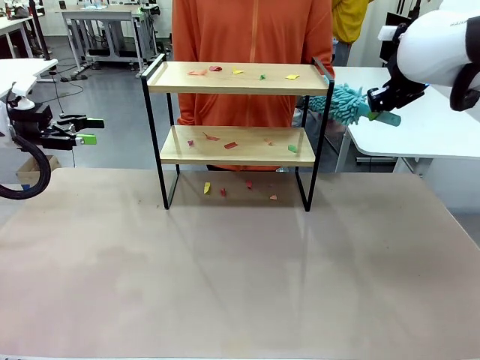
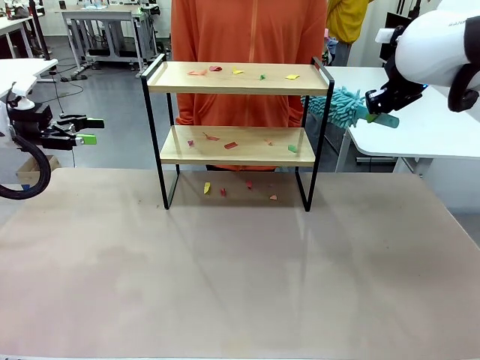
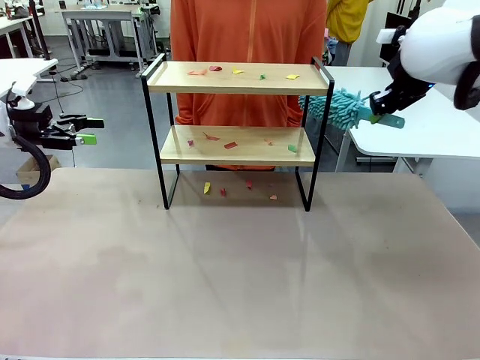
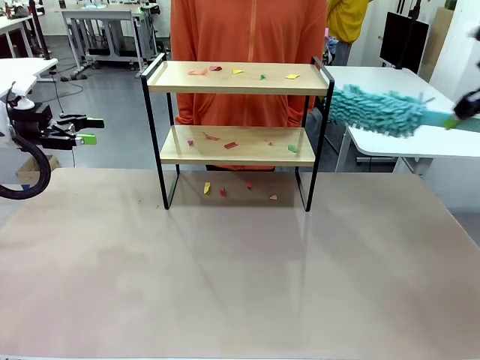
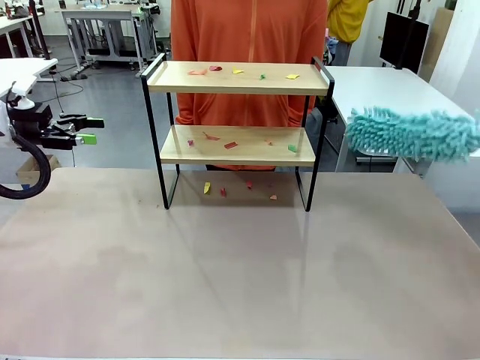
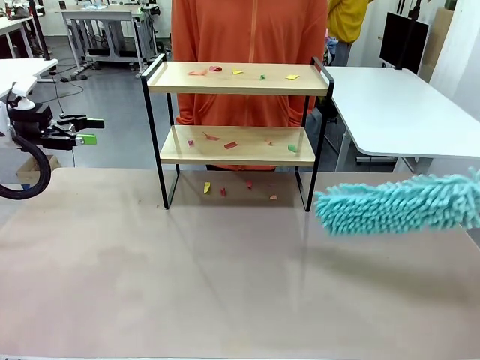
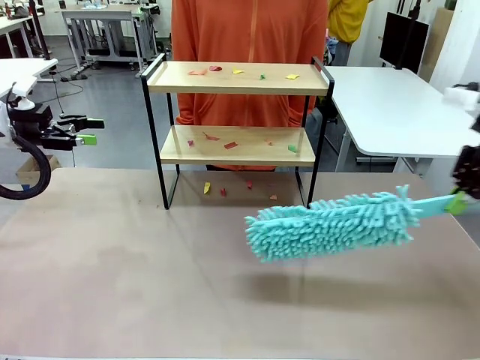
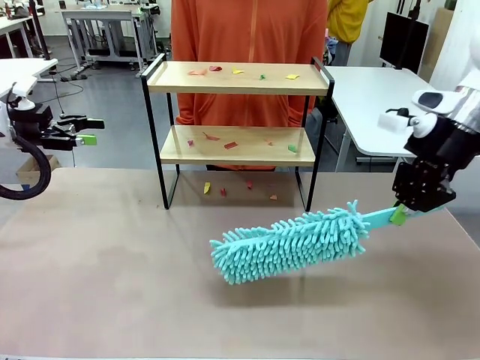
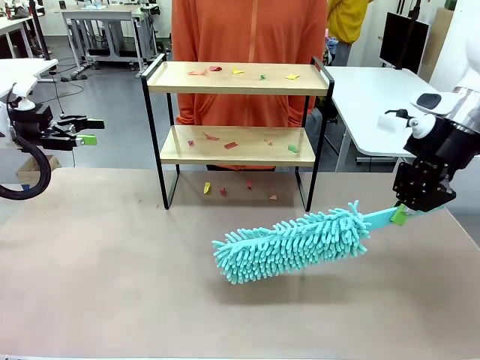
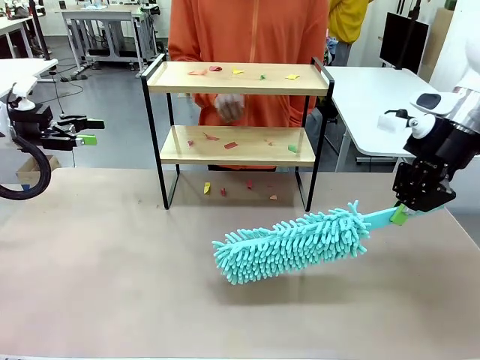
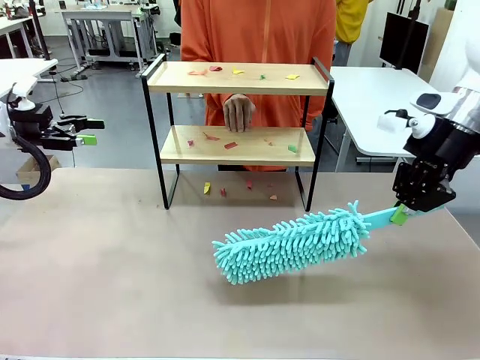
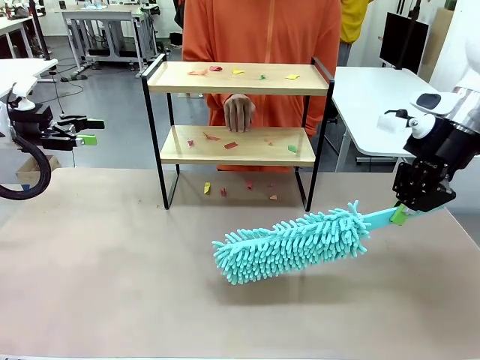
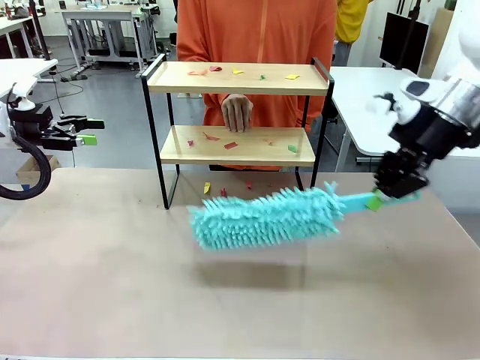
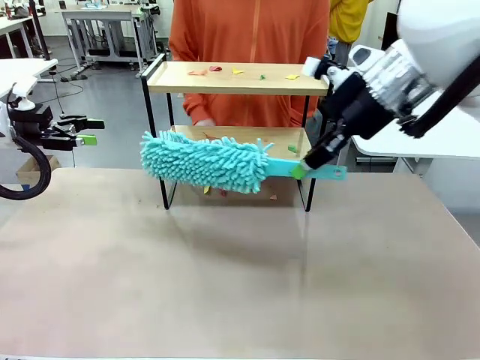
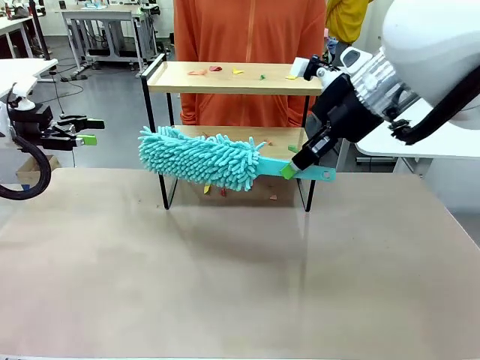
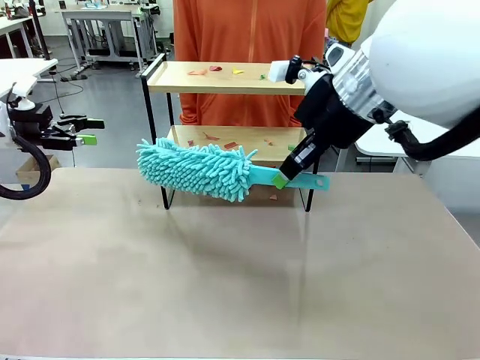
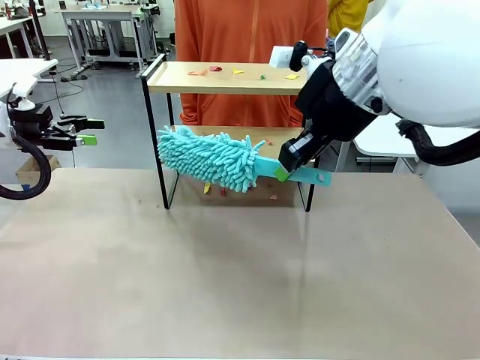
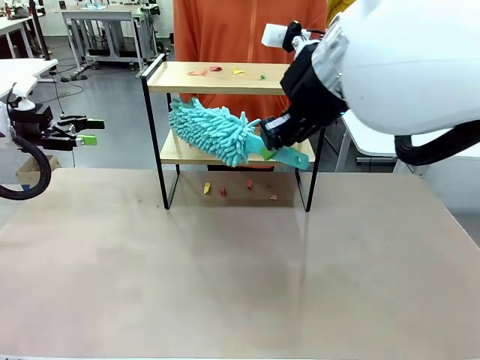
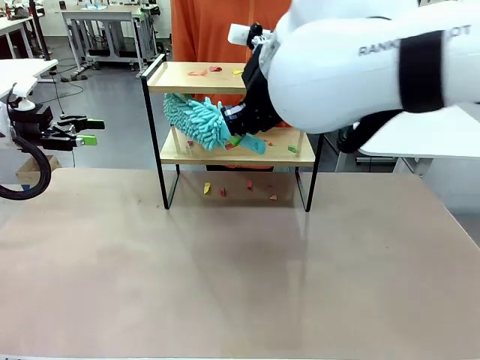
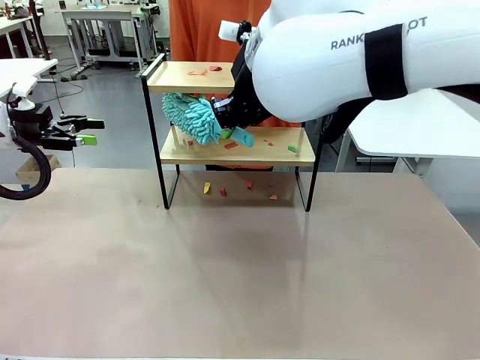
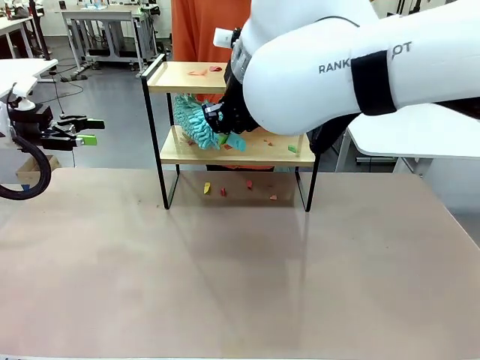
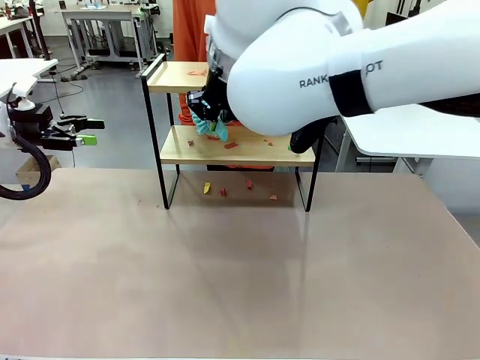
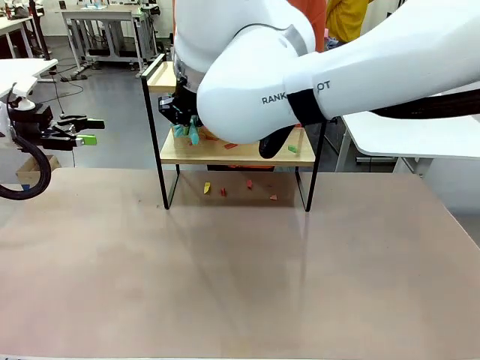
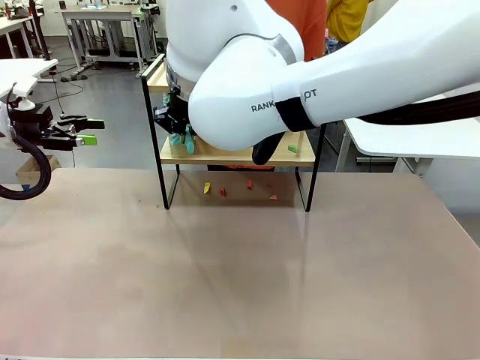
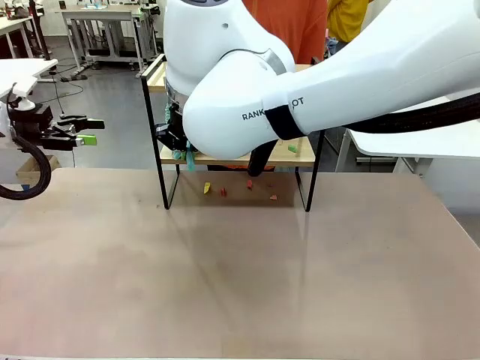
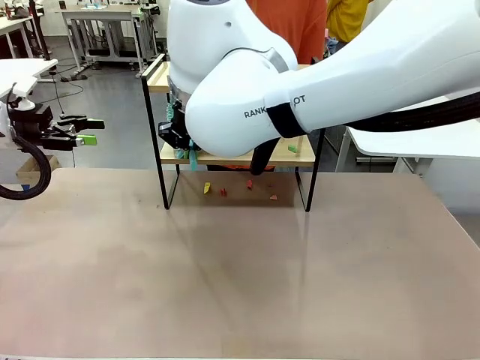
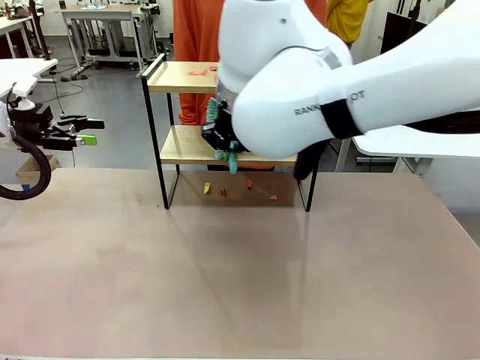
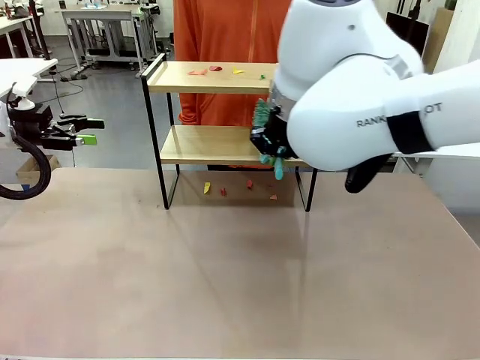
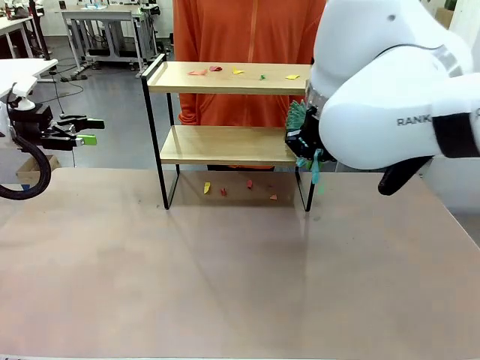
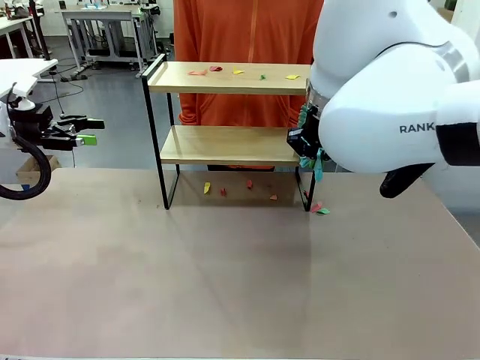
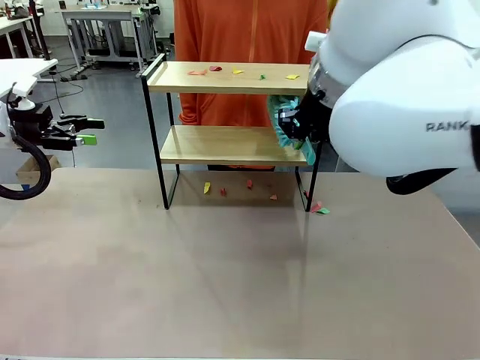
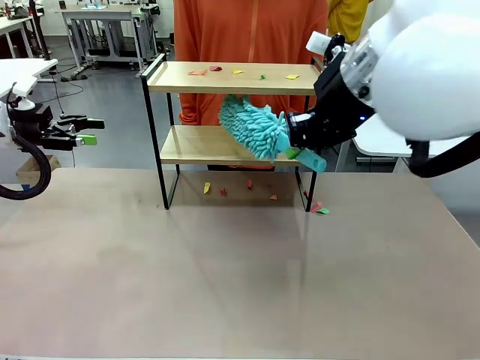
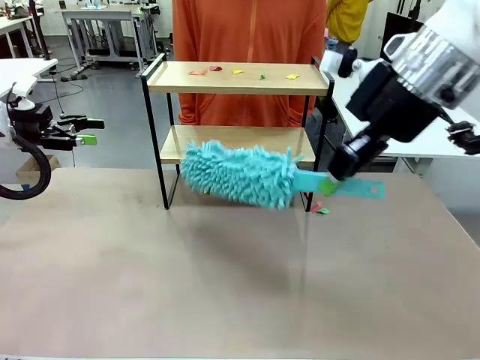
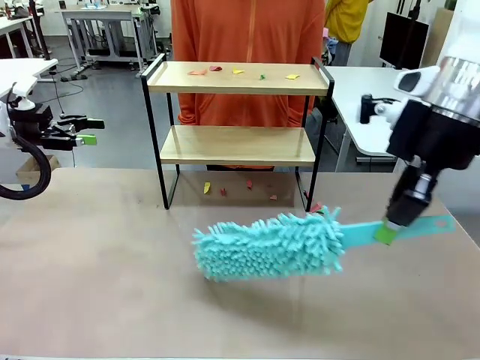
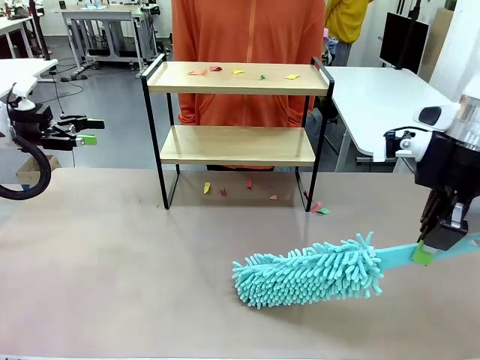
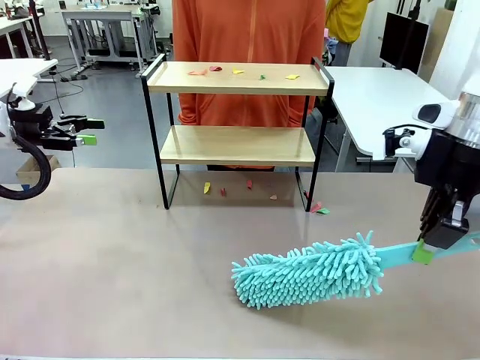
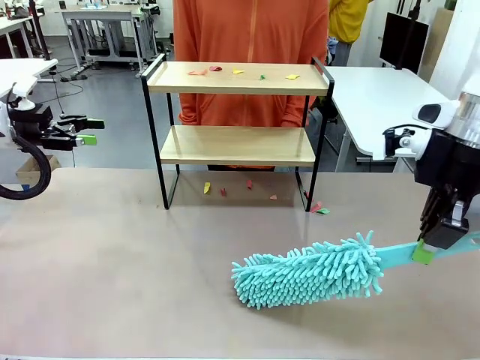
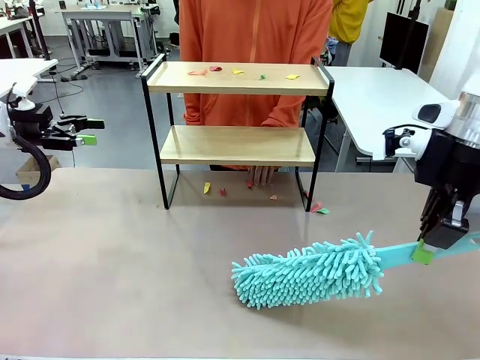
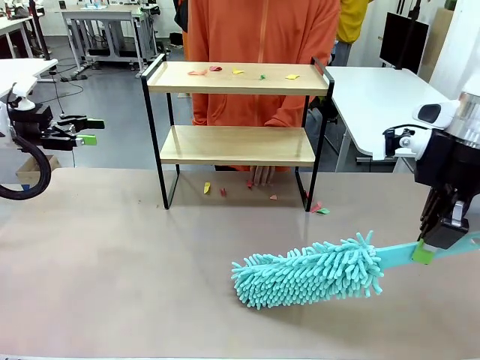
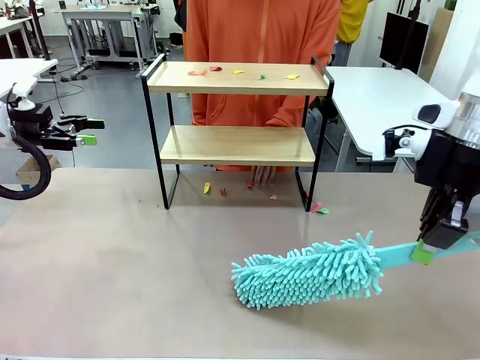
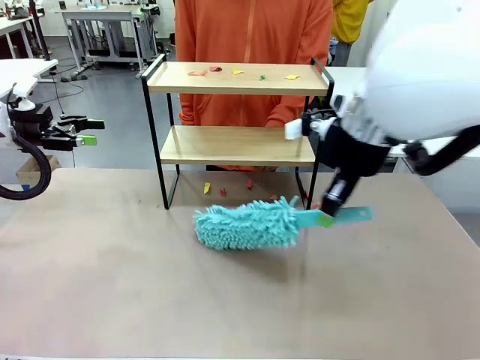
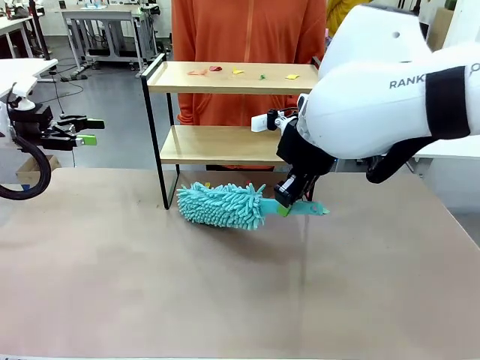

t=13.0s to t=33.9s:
Task: Clean the shelf.
Robot: Clean the specific section of the Shelf indicated by the human with the Duster.
Person: Point a random section of the Shelf.

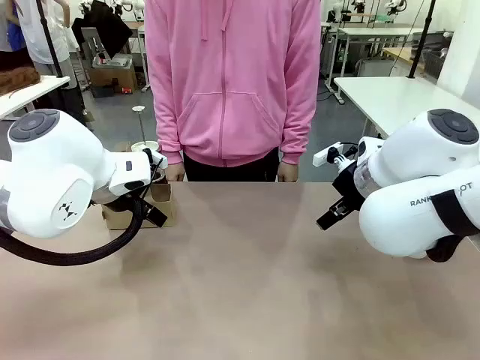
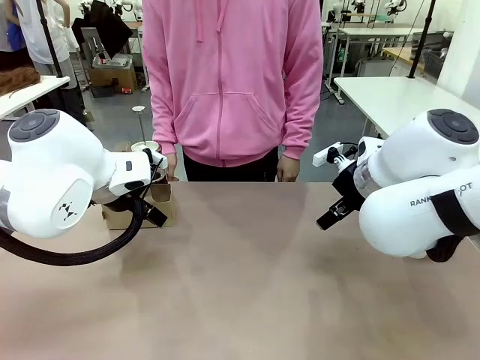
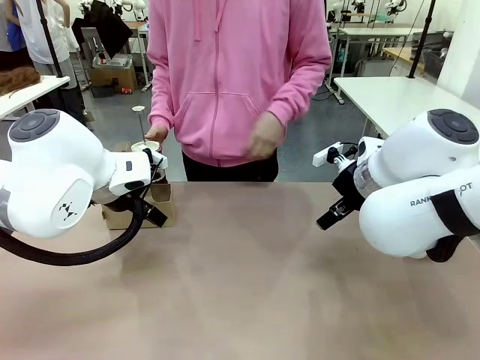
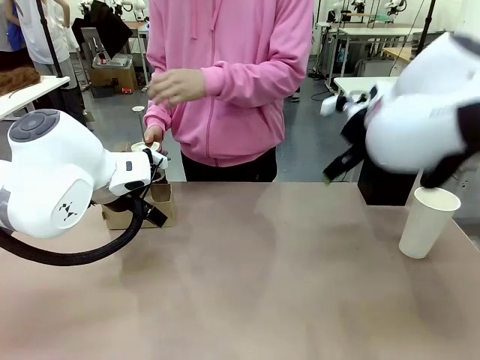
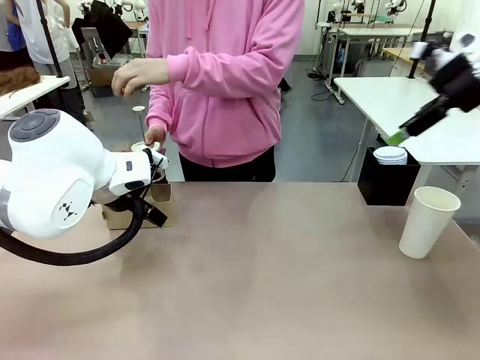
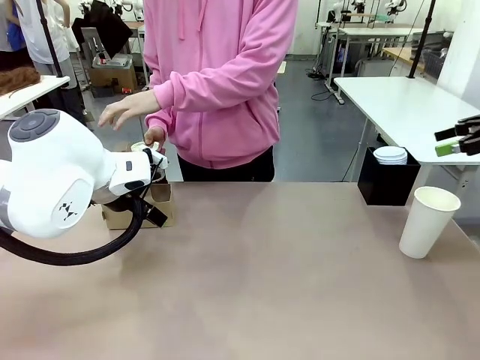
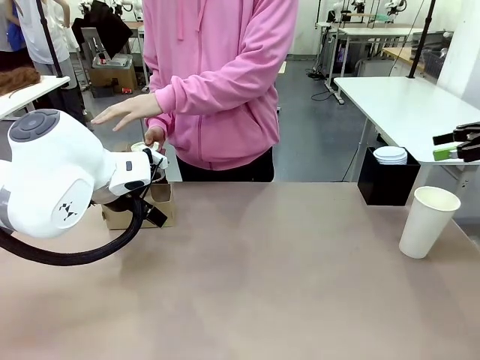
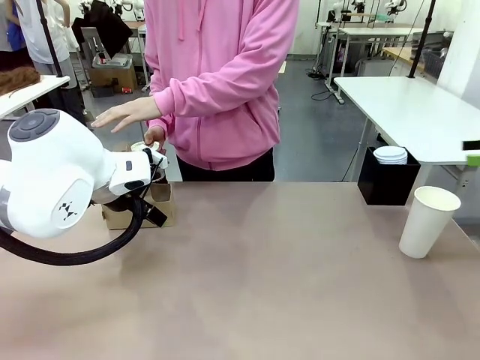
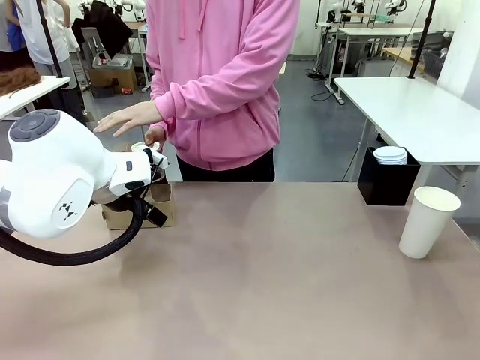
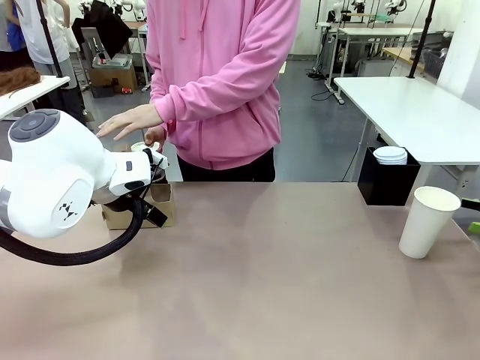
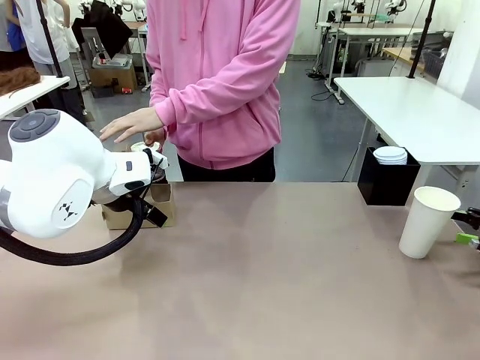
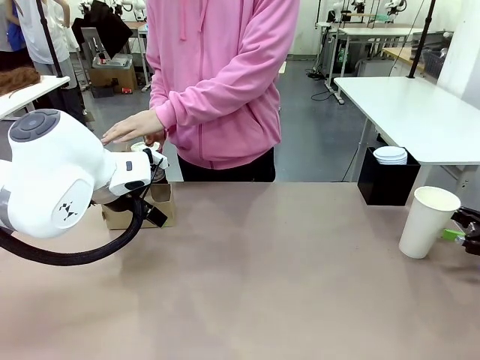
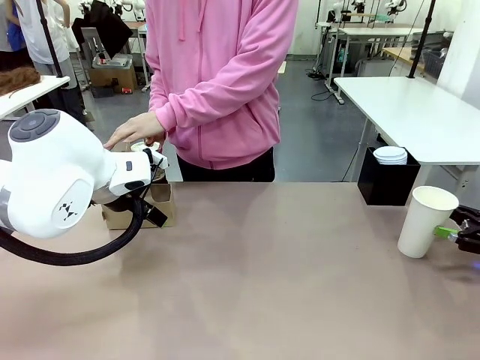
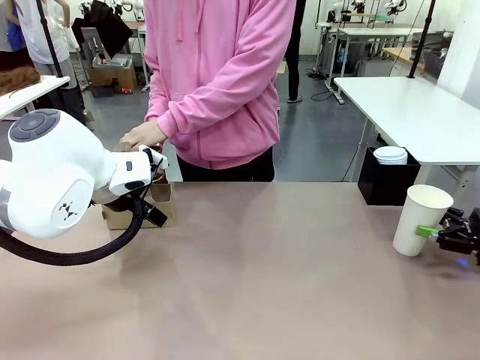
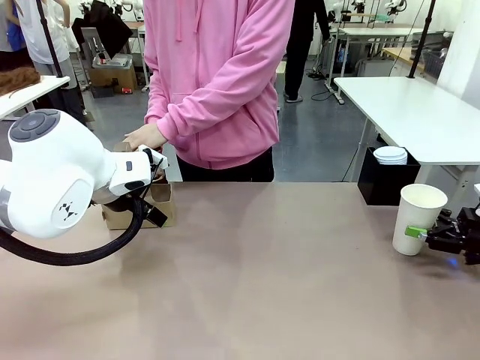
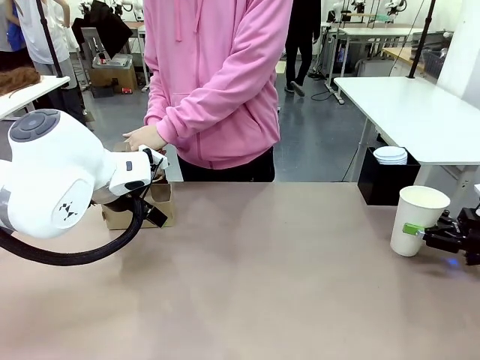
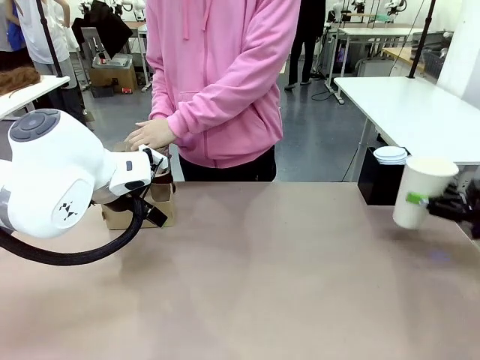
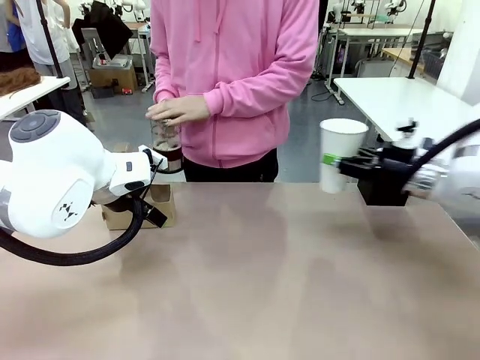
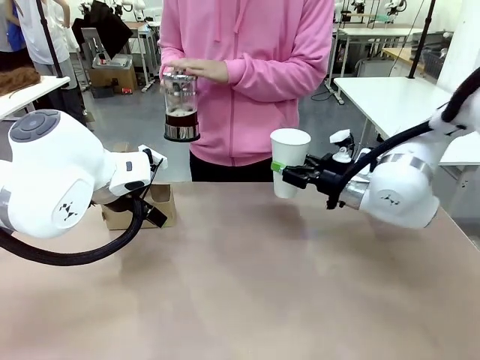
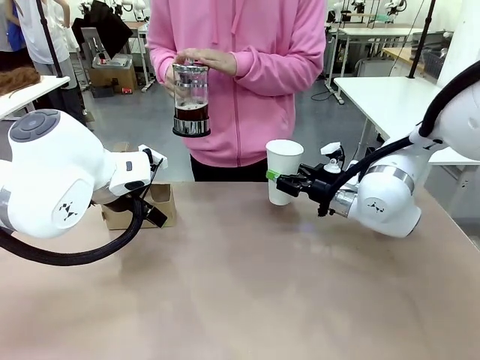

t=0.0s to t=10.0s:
Task: Pour a drink into a cup and package it in a carrier.
Robot: Pick up the 600 ml Paper Cup and place it in the middle top area of the table.
Person: Press and pick up the Filter Brewing.
